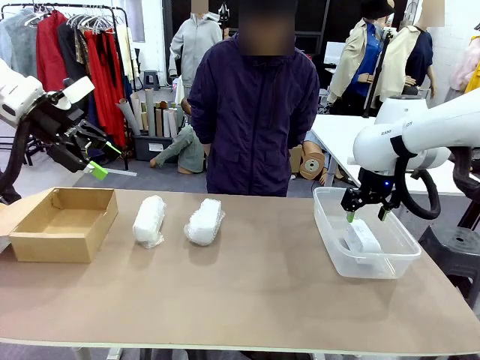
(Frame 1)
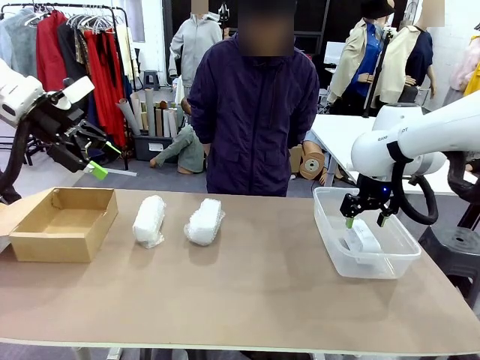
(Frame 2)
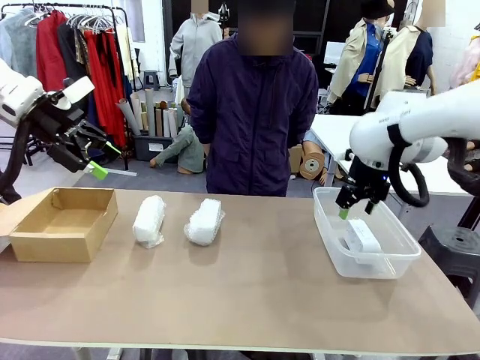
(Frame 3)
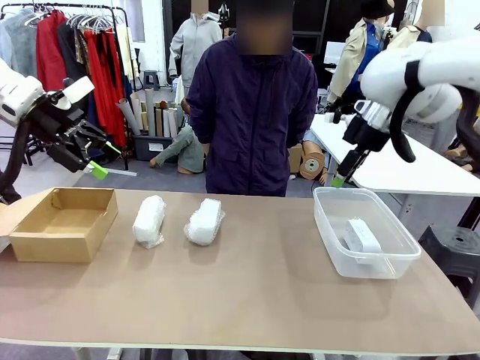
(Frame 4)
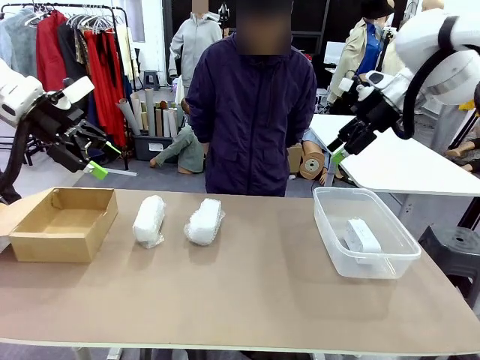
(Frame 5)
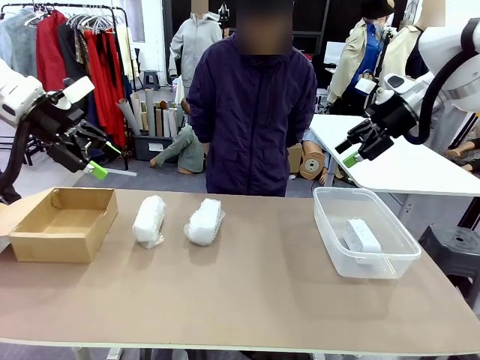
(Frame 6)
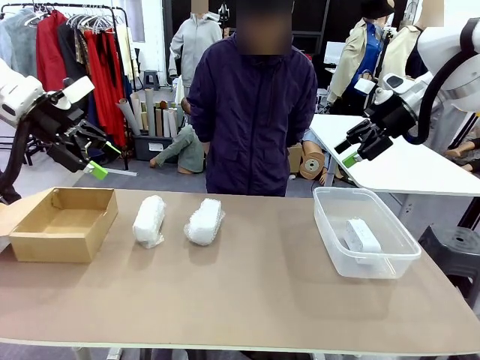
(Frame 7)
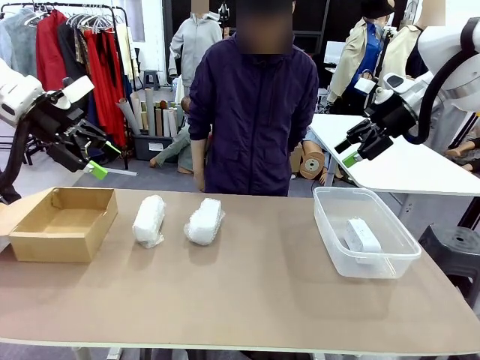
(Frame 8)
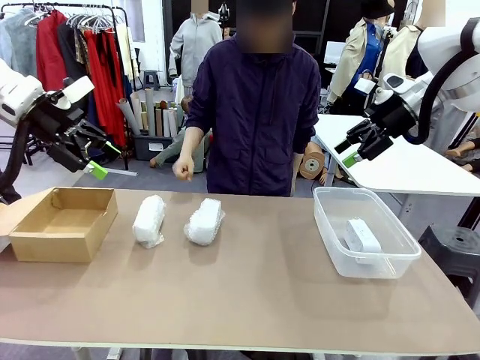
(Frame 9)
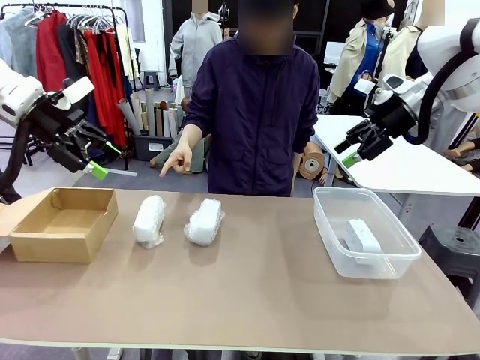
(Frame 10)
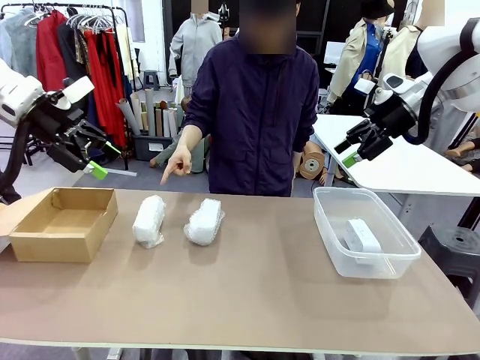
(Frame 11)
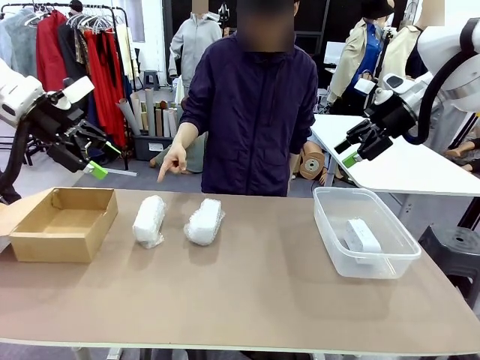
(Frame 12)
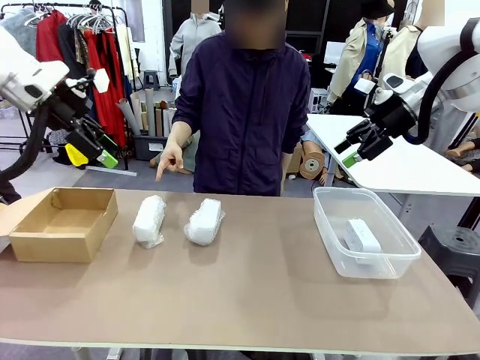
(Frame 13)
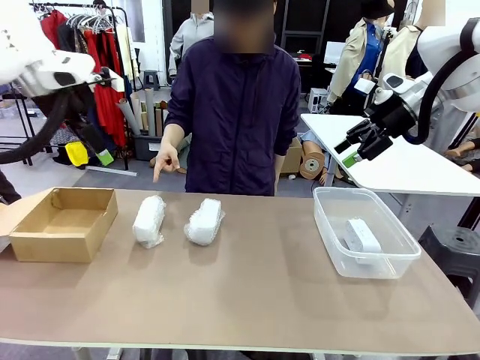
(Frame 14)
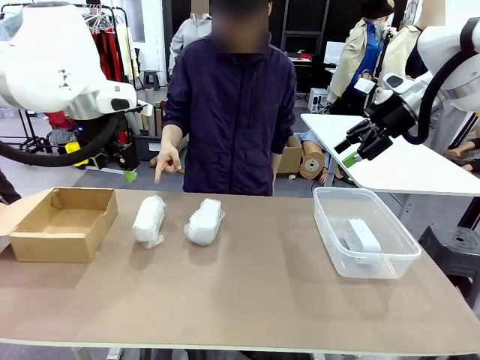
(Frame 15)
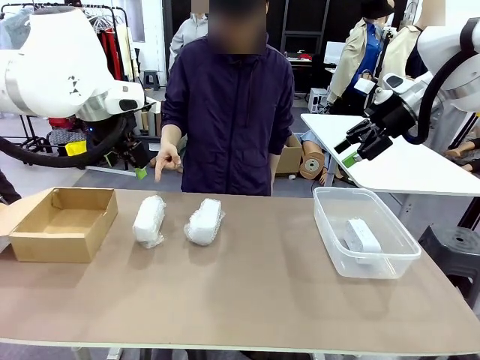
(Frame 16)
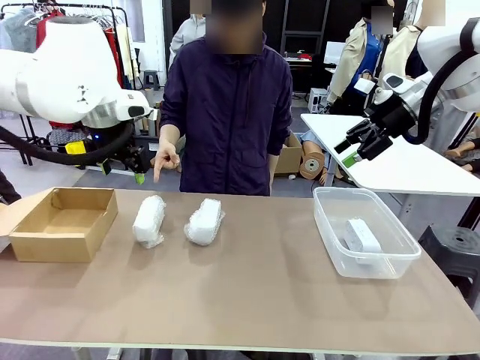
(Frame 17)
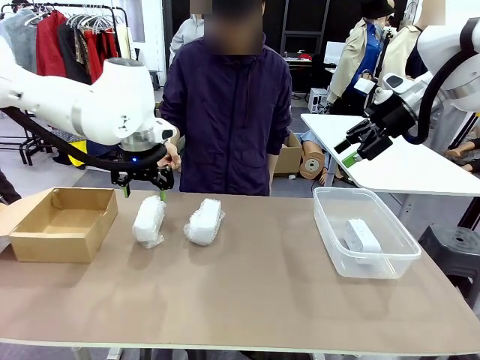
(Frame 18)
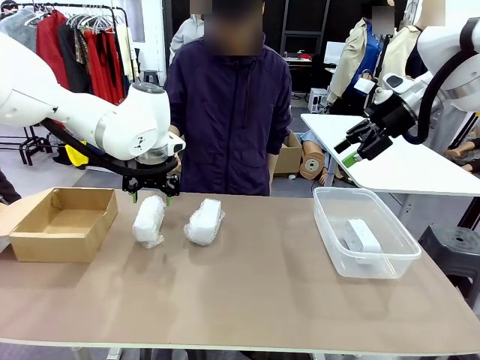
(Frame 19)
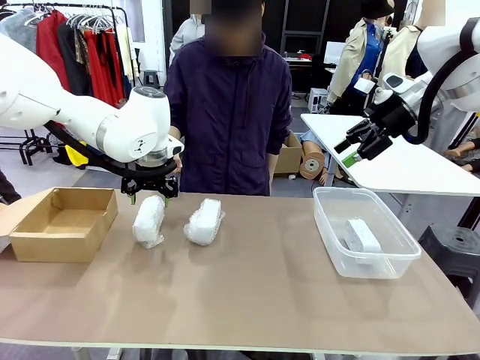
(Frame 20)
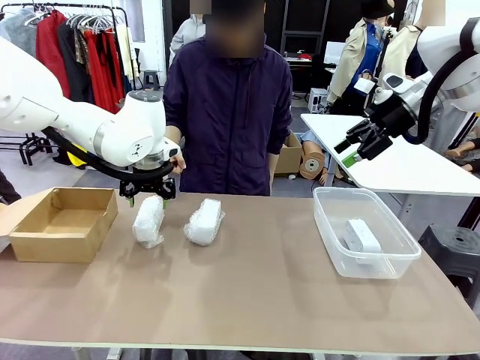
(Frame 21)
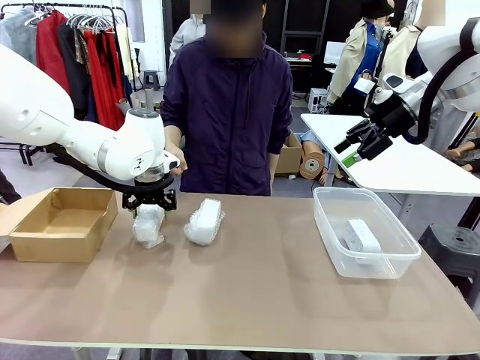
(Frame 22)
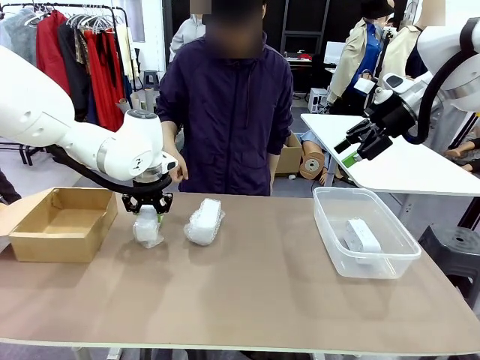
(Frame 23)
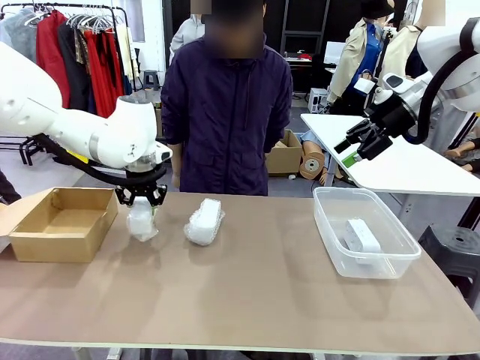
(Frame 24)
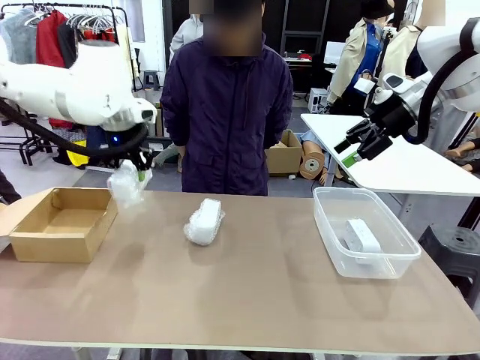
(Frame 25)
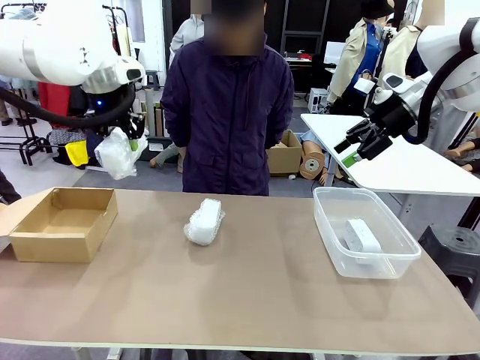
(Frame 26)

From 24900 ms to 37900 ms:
Task: Separate and place wrapped and unwrapped clocks.
Robot: Pick up the Digital clock indicated by the person.

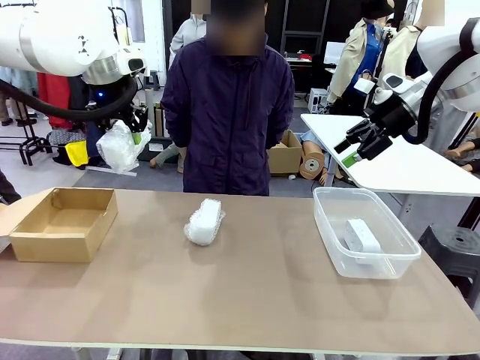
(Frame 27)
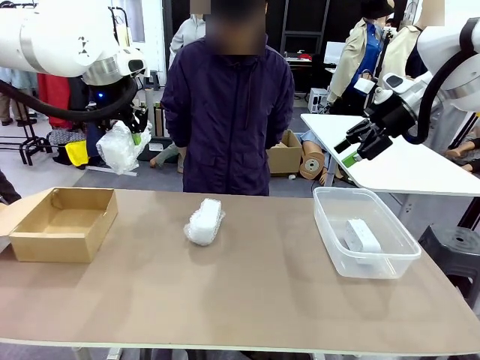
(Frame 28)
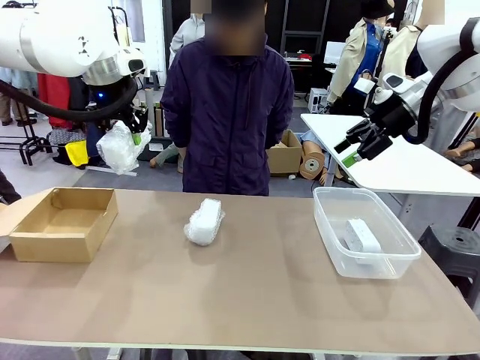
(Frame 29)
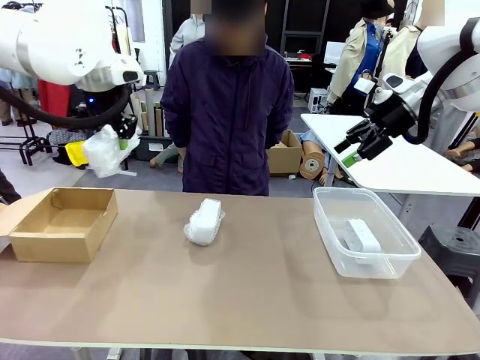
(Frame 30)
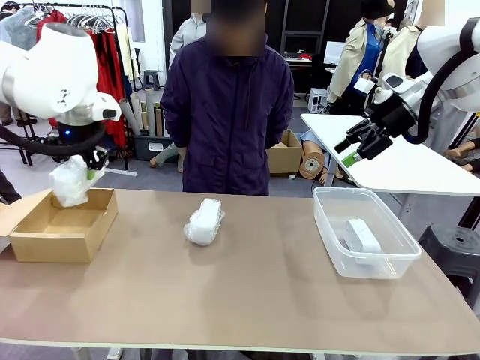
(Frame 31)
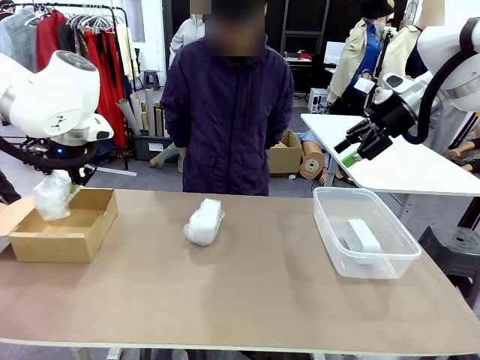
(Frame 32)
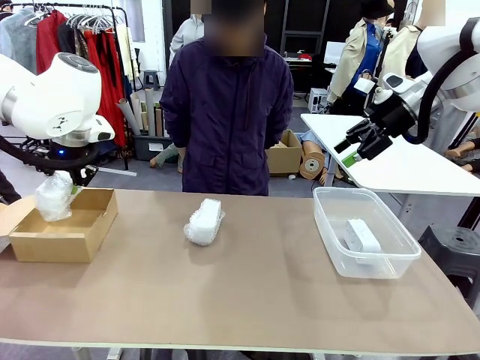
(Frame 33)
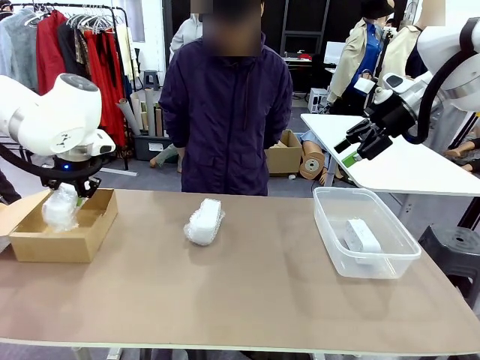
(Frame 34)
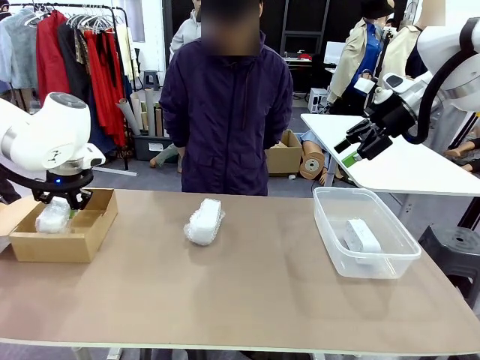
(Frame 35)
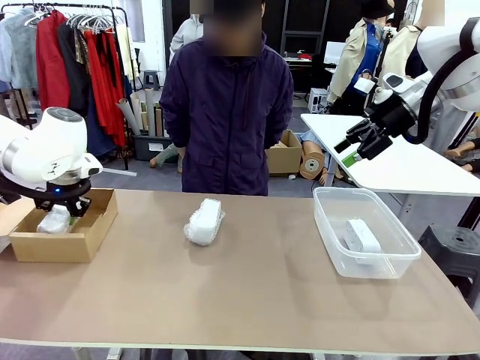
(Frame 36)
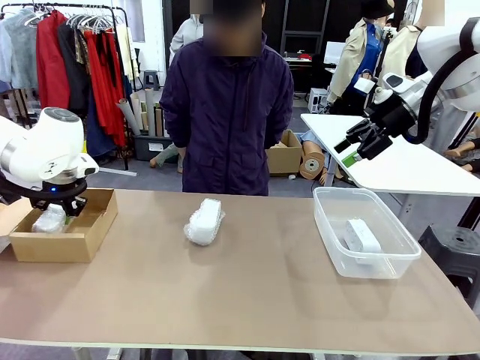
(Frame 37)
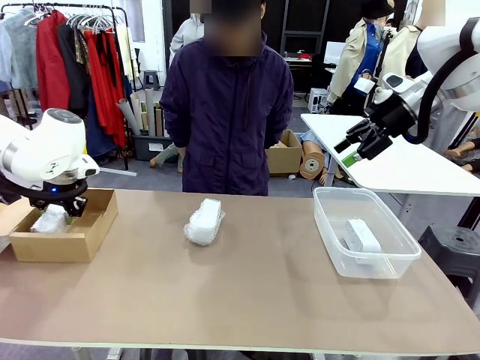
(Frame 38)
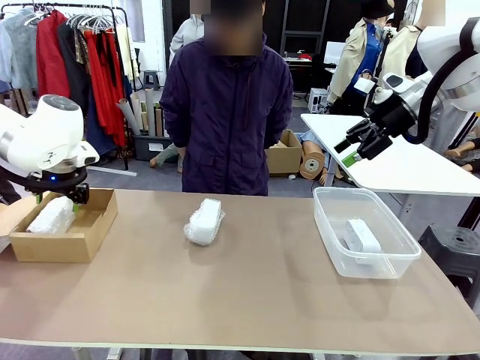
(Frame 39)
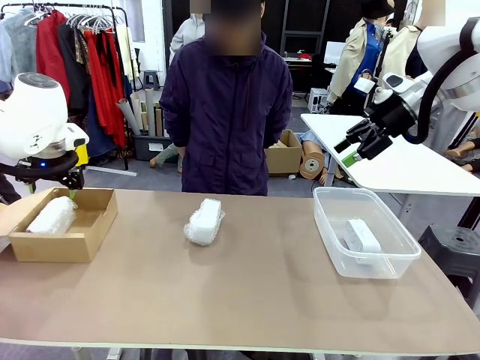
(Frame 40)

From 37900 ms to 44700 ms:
Robot: If the picked Digital clock is wrapped, place it in the Package Box ; if not, place it in the Organizing box.

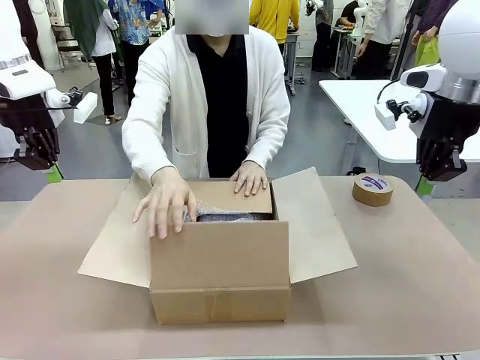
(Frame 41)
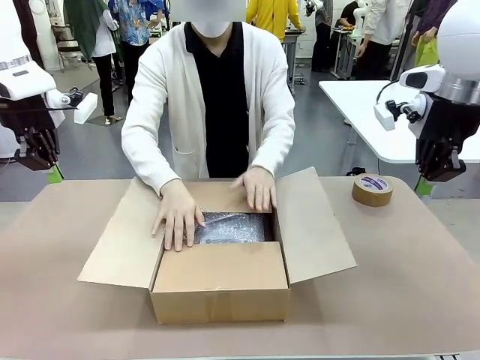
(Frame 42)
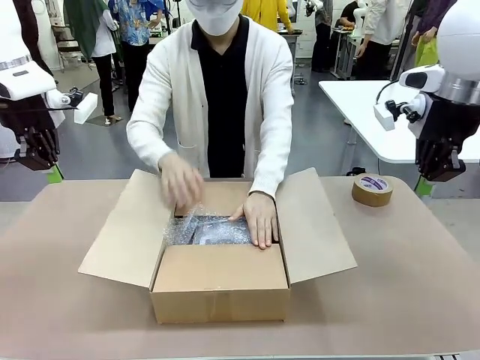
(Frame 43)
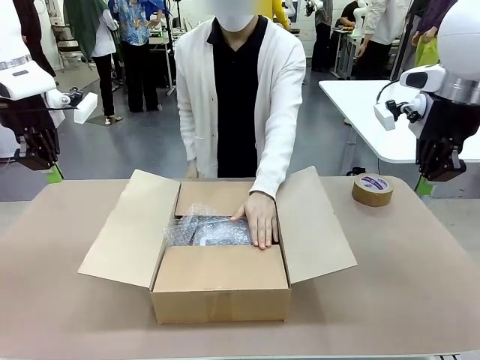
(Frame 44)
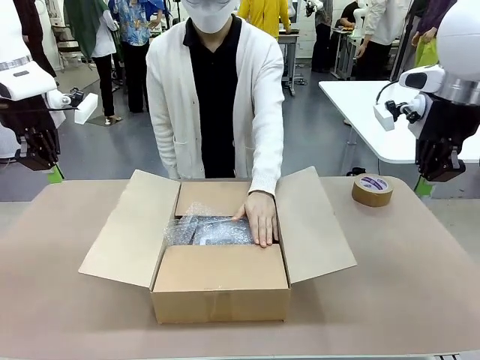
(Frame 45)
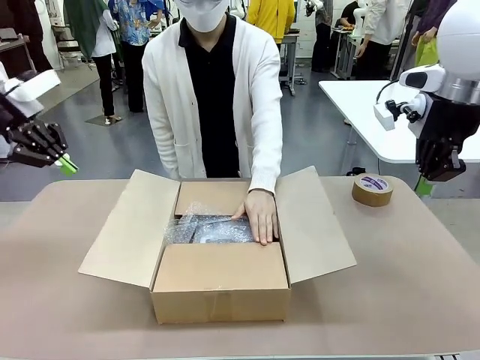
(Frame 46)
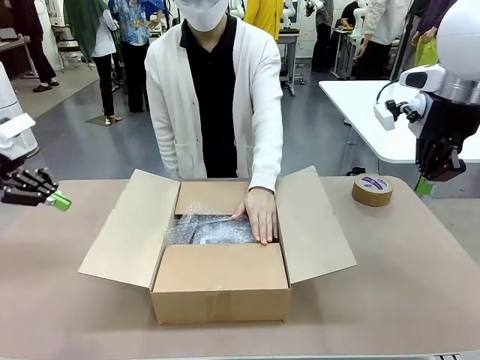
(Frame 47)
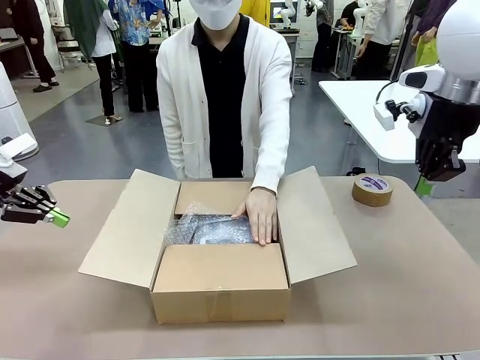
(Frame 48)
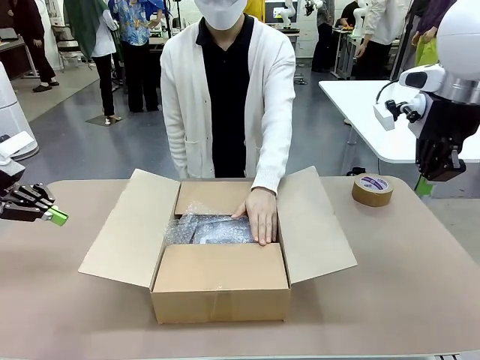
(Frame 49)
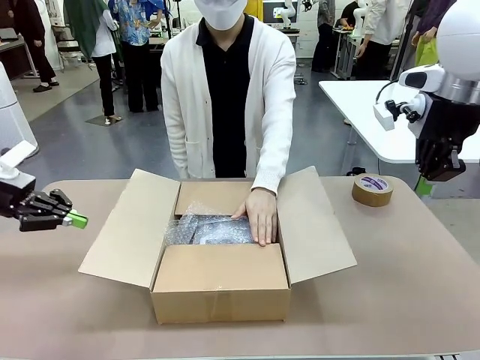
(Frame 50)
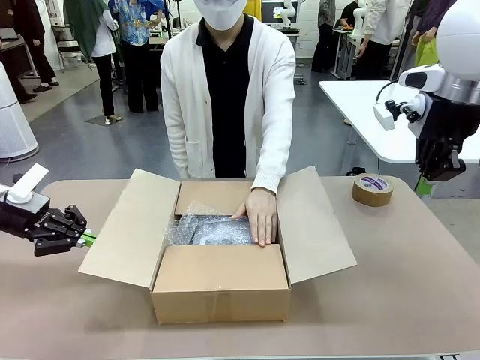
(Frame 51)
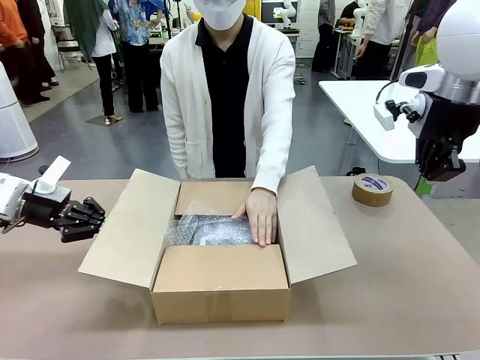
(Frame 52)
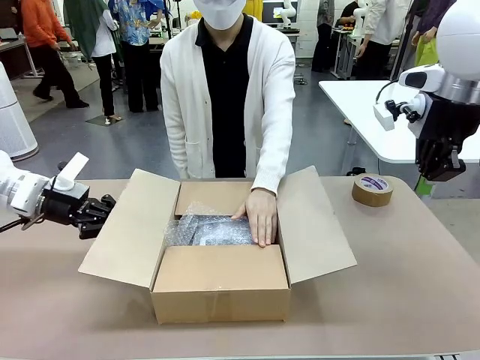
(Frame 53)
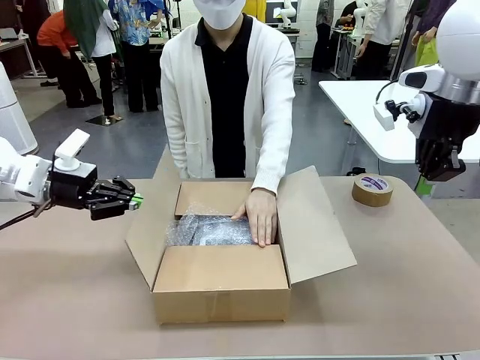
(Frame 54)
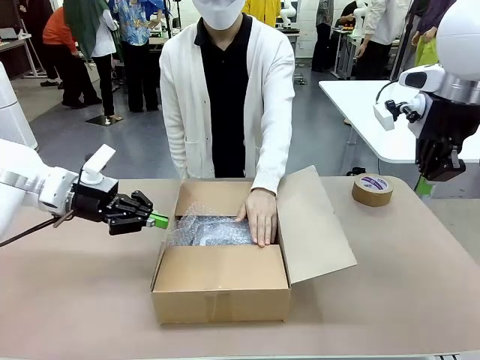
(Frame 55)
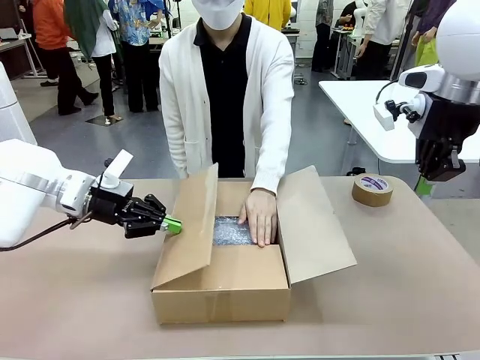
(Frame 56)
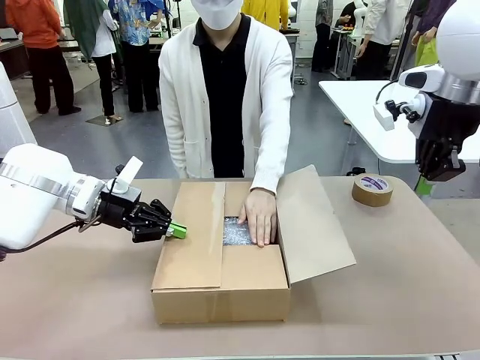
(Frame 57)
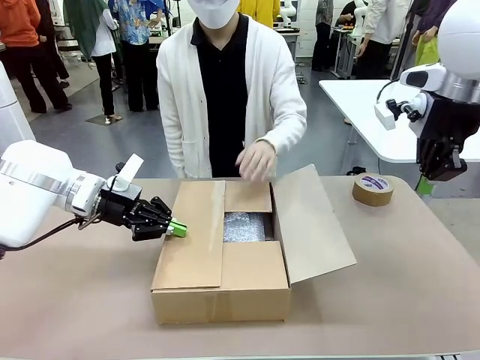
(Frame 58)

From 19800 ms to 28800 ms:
Task: Wrap the clocks to prevent damage.
Robot: Push the right (or left) flap of the Package Box to close it.
Person: Once the robot closes the right flap of the Package Box , release your left hand from the box.
